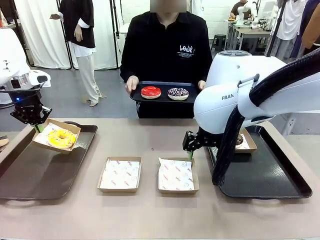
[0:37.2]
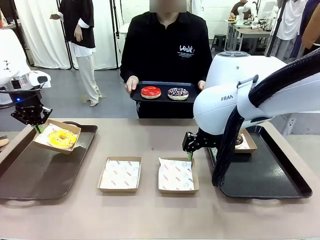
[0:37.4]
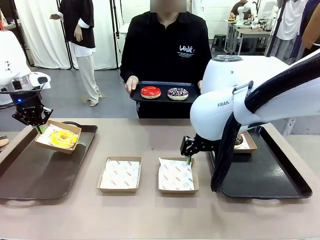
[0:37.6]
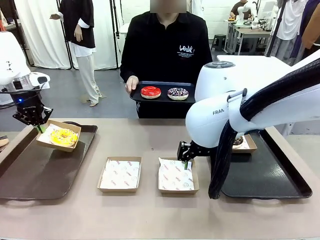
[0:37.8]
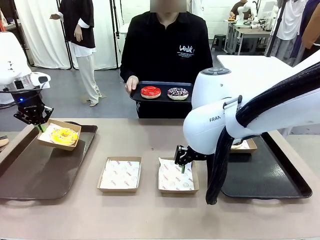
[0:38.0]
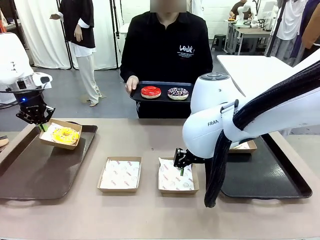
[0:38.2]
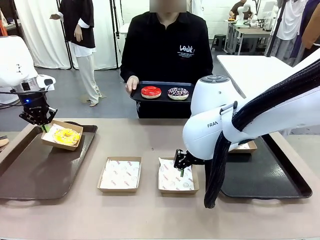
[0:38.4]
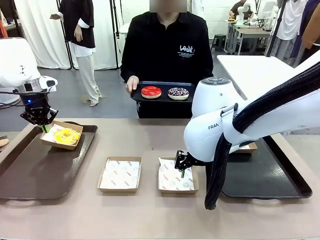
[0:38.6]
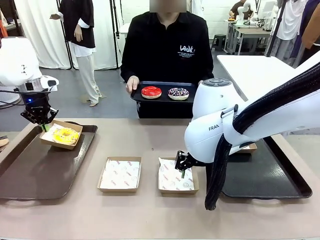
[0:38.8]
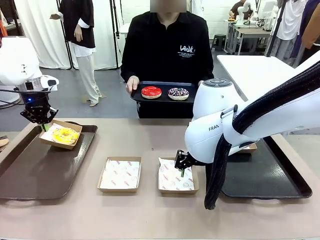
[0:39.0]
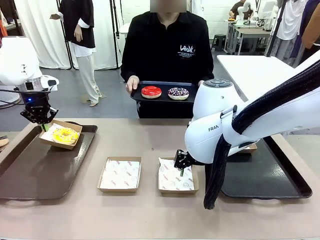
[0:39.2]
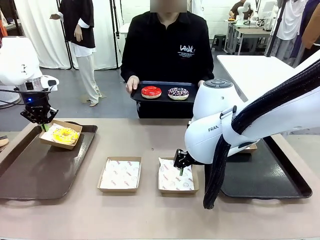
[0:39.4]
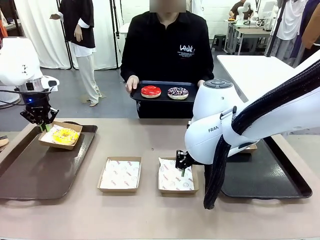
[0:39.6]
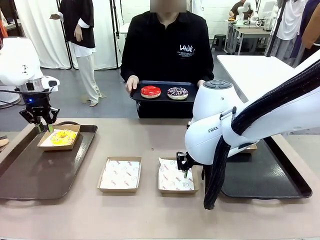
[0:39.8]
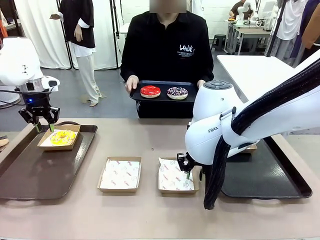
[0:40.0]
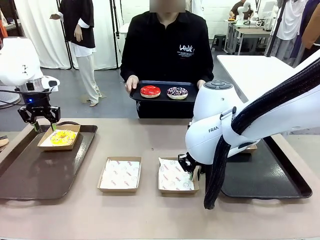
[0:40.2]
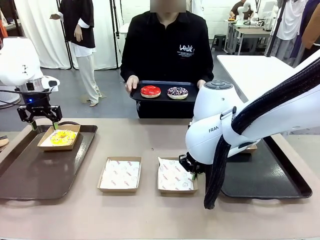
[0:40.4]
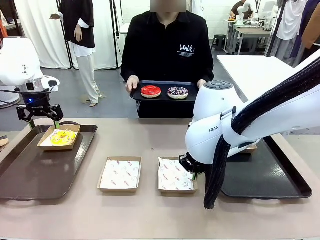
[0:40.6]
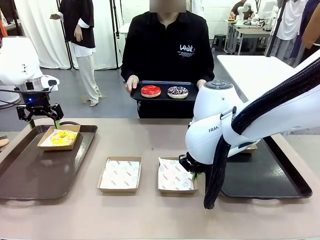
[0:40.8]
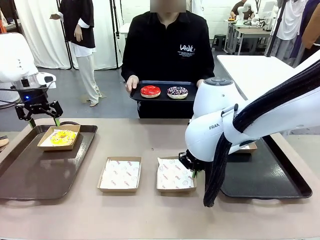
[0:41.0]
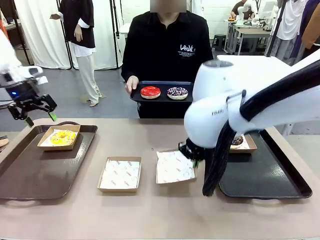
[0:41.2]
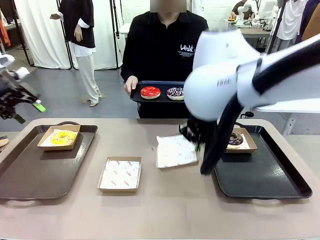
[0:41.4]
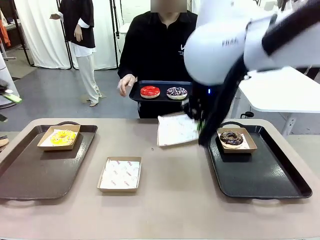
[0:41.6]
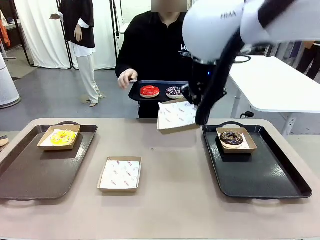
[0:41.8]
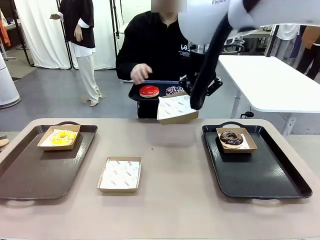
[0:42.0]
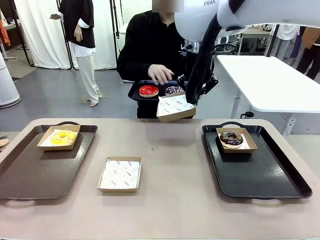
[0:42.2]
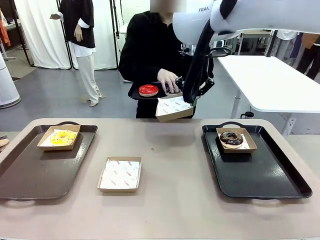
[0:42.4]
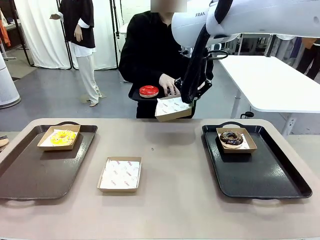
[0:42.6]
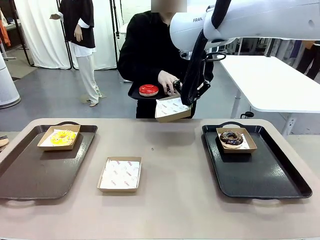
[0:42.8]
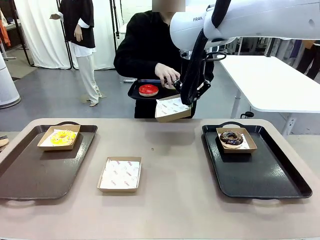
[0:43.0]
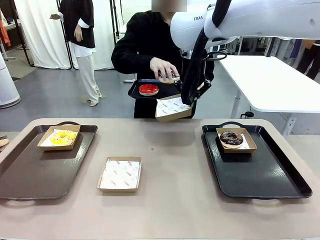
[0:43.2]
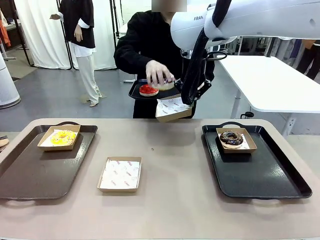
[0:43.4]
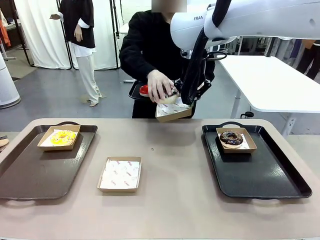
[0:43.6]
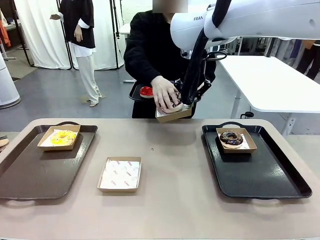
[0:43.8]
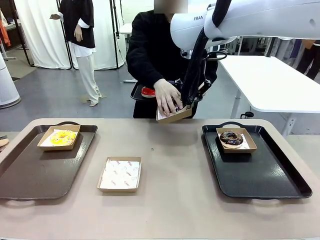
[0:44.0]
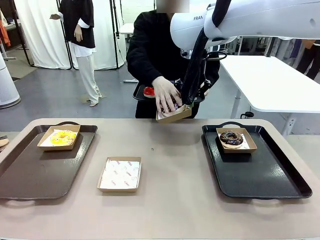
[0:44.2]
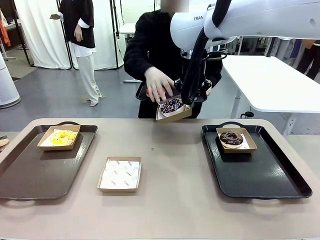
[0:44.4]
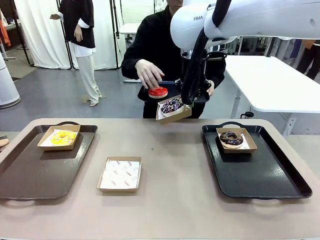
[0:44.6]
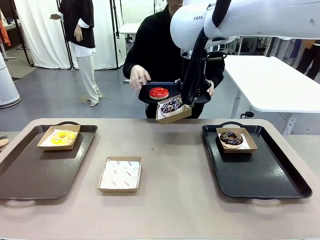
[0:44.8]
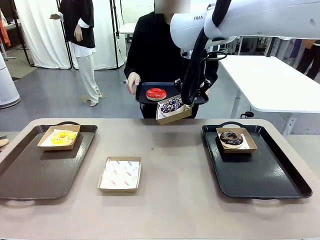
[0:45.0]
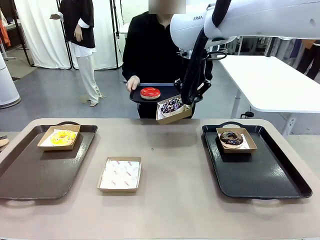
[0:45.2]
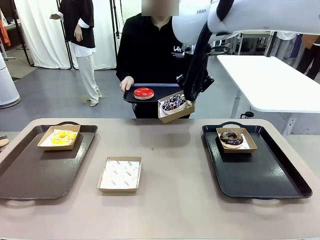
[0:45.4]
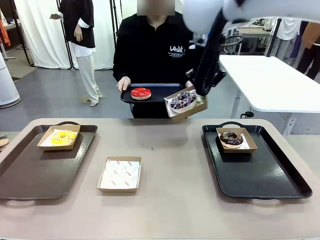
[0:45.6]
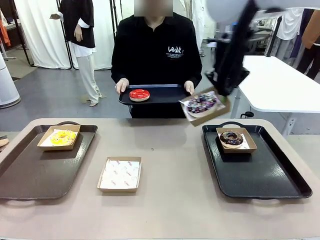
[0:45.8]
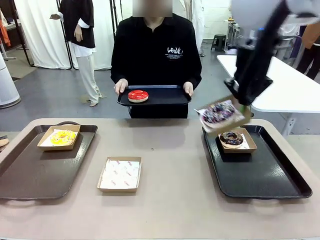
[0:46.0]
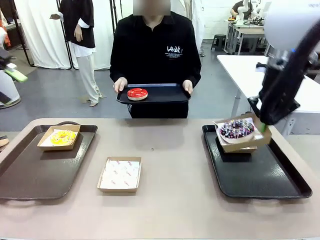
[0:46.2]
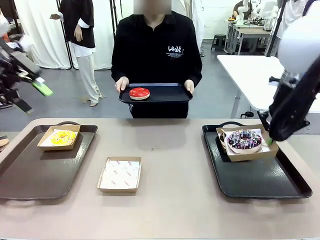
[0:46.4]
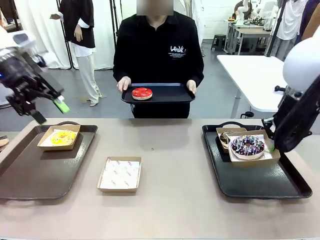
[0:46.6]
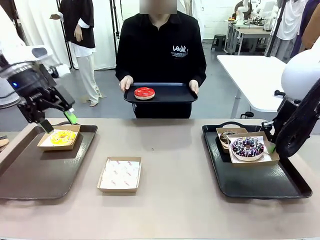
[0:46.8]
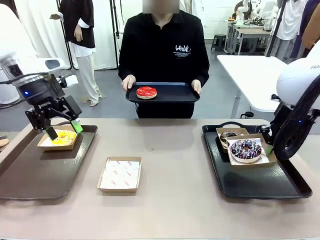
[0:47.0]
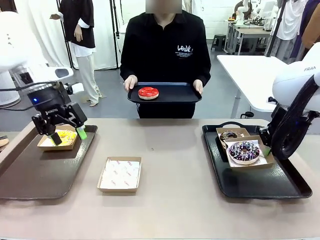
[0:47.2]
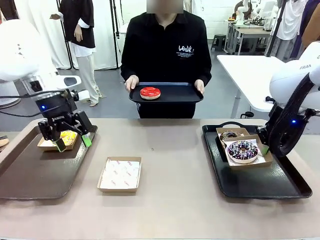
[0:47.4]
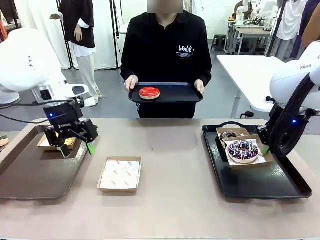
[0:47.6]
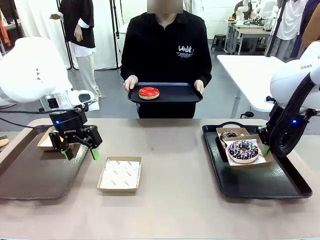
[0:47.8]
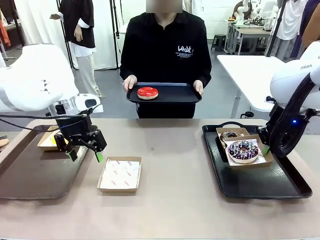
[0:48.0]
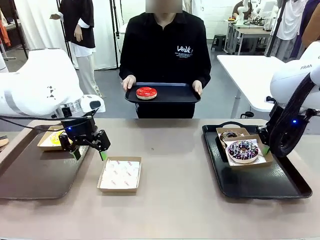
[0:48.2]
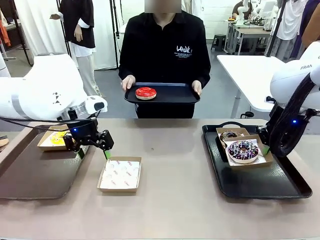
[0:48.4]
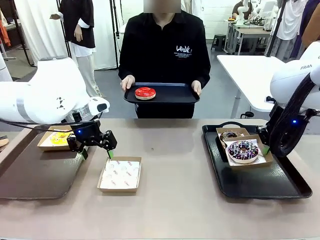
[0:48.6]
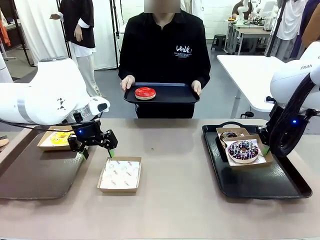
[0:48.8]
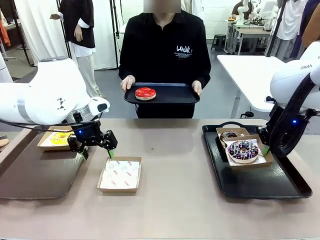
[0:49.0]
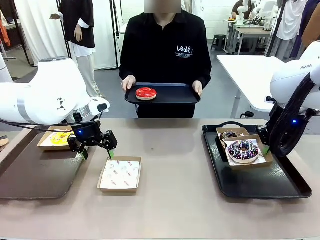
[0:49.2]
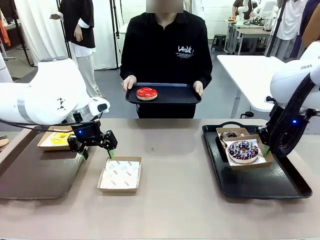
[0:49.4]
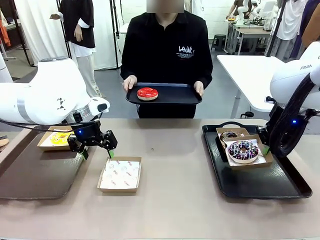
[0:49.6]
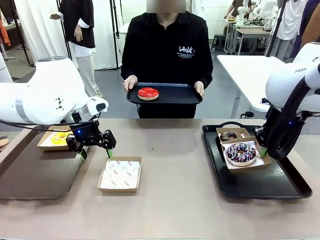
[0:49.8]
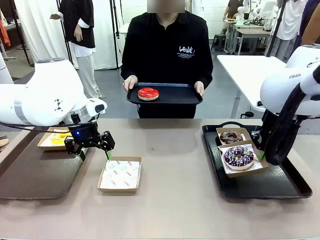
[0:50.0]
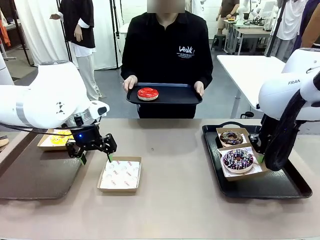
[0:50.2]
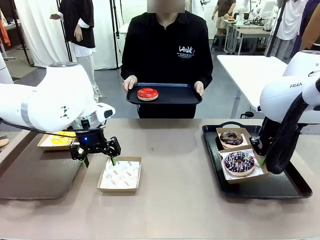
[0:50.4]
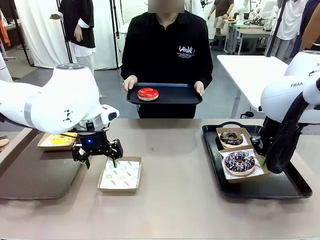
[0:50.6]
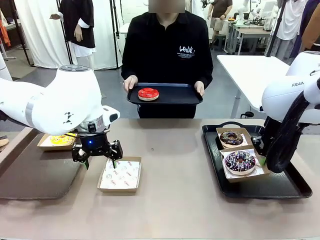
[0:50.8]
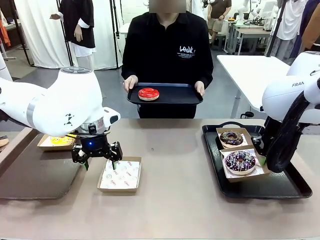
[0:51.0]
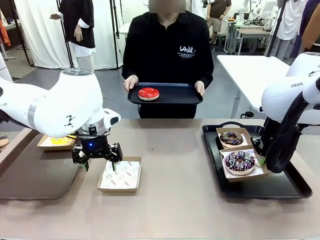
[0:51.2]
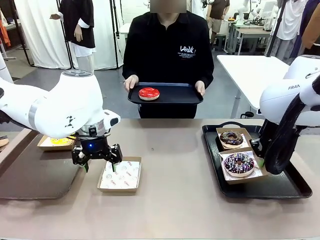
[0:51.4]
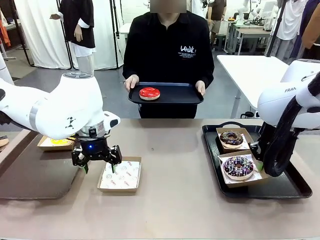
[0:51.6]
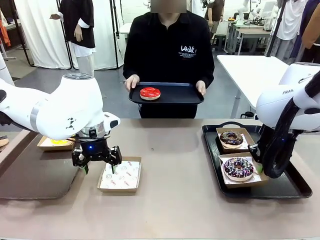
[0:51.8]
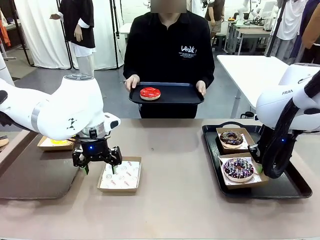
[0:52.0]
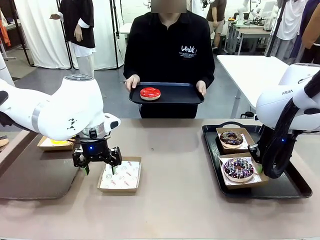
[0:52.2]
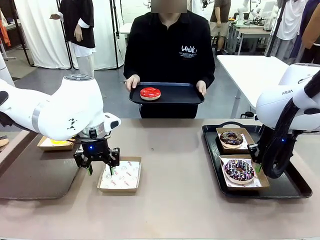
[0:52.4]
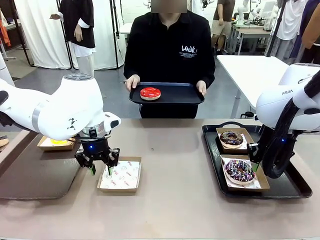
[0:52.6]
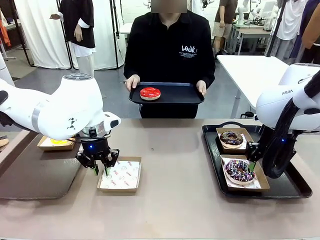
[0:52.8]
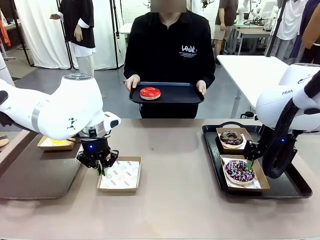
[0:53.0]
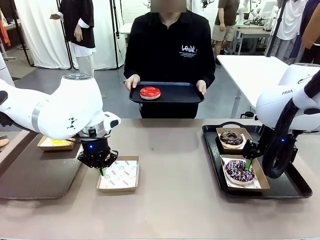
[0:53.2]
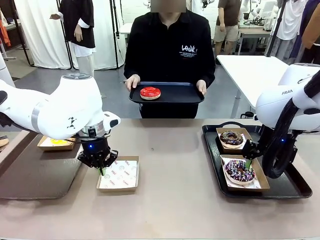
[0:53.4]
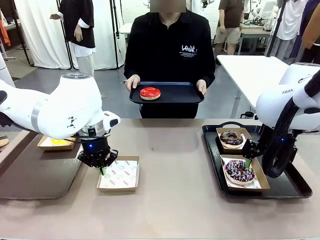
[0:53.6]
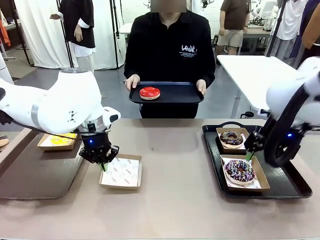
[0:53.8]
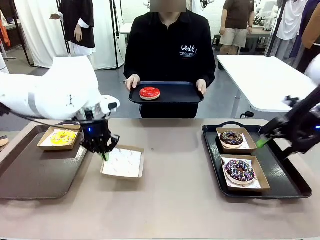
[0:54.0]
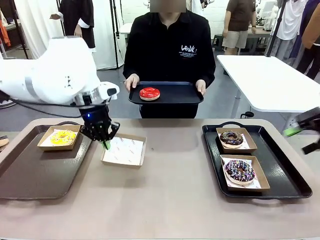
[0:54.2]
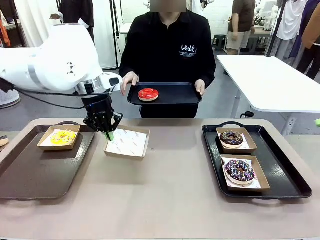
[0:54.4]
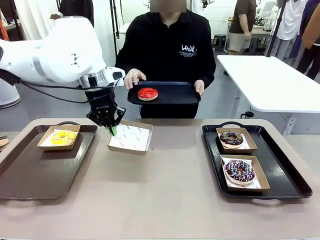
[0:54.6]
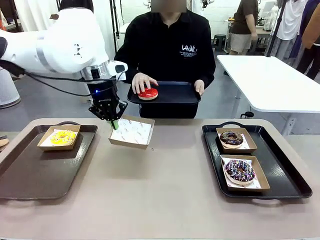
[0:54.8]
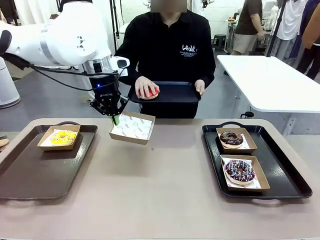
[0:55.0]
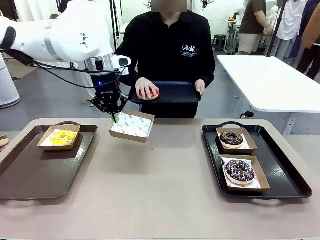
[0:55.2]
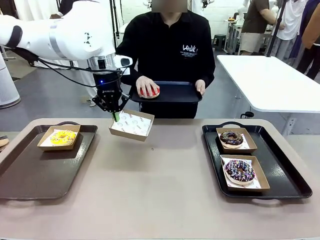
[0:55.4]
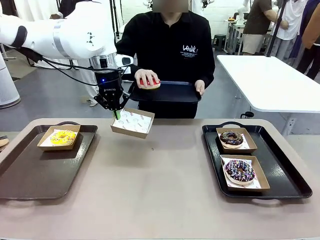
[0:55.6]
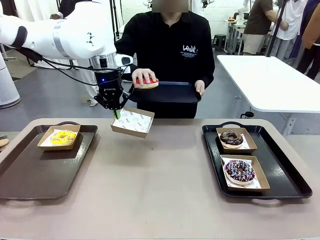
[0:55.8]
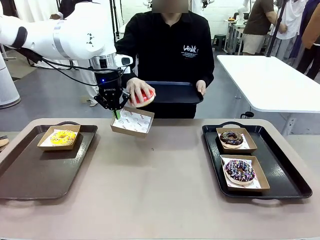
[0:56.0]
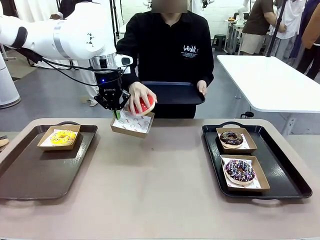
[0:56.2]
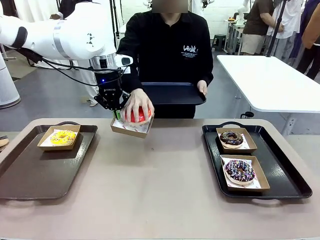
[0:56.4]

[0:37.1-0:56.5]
Task: Individually package the donuts and arrange them on the tray.
Robot: Place the picked Paper togo box on the Handle tray while simultaneously picking up another Paper togo box from the table with the other hand.
